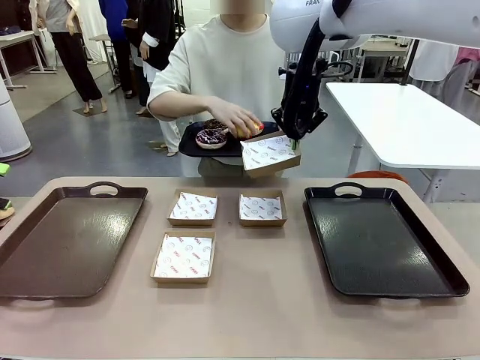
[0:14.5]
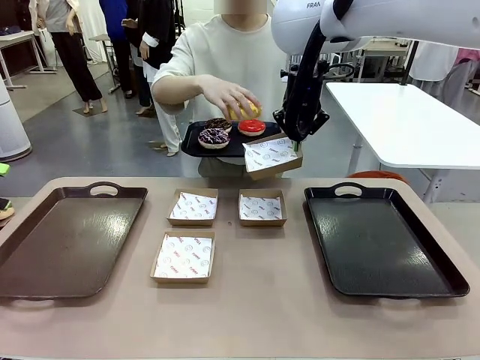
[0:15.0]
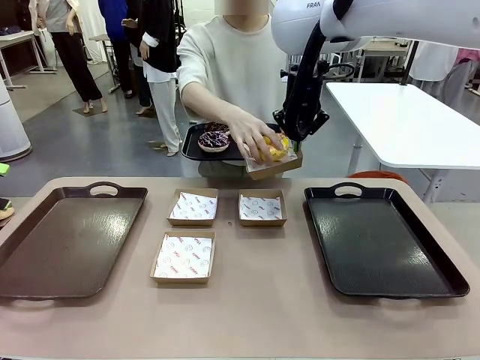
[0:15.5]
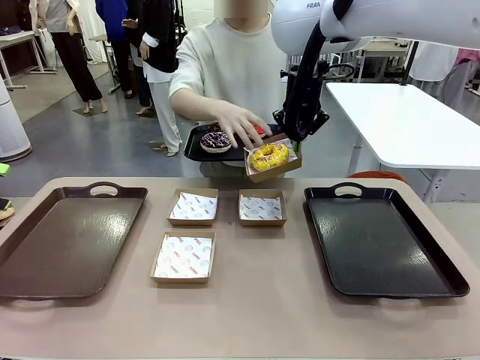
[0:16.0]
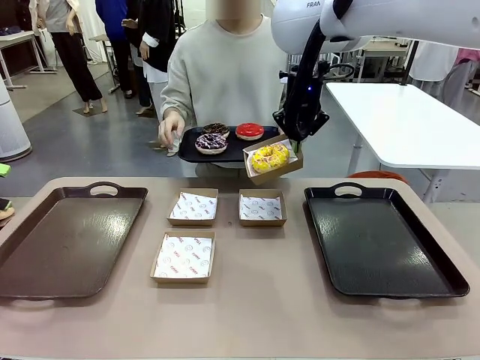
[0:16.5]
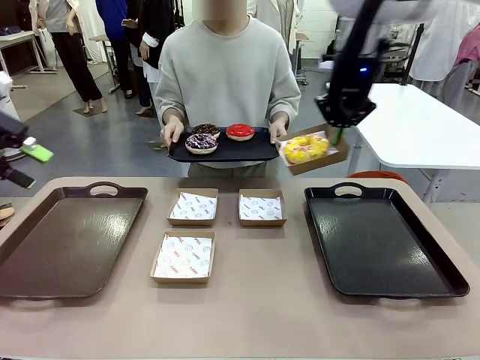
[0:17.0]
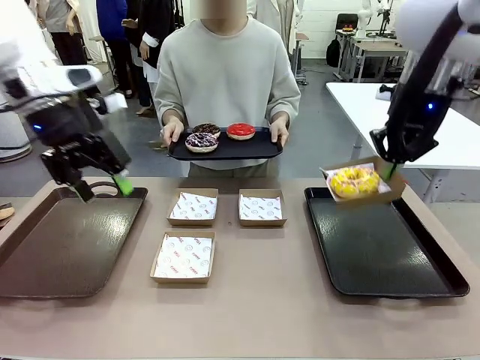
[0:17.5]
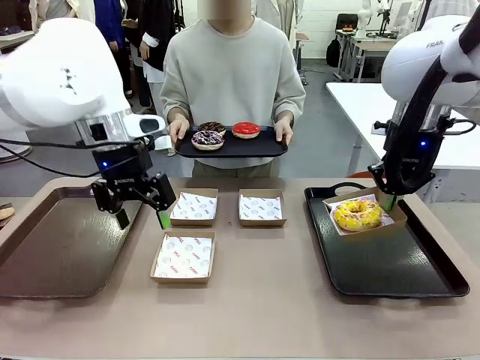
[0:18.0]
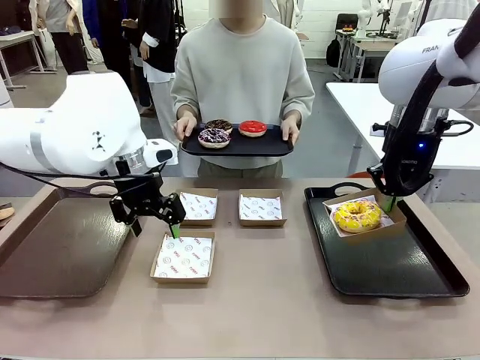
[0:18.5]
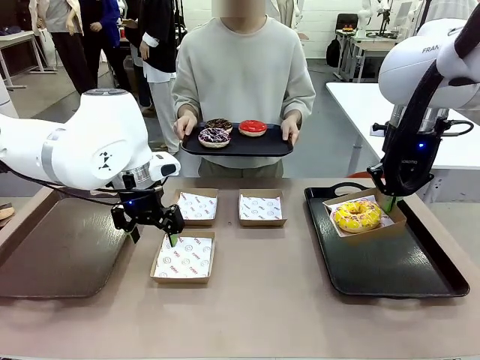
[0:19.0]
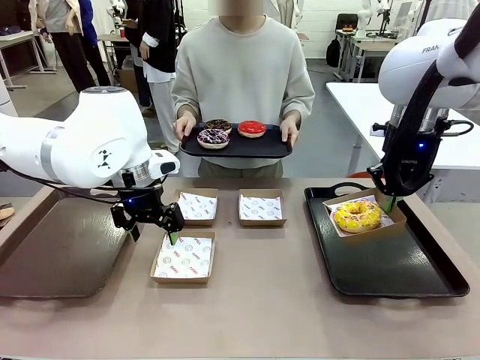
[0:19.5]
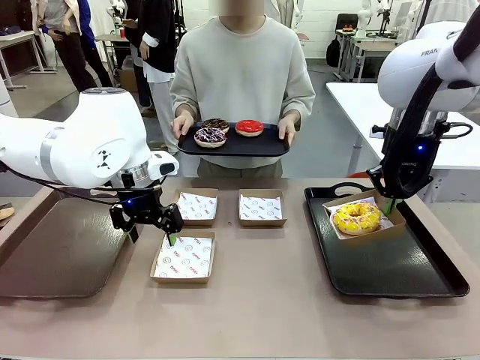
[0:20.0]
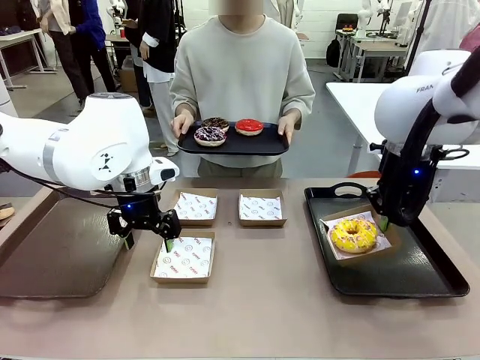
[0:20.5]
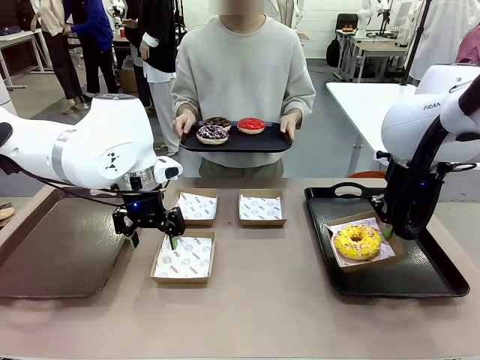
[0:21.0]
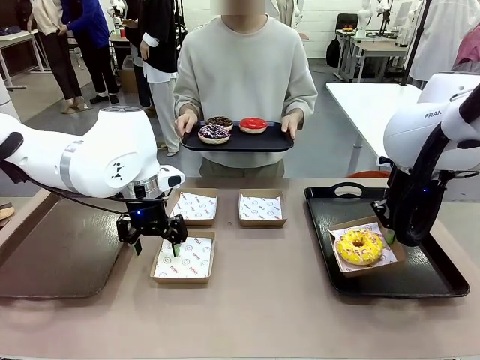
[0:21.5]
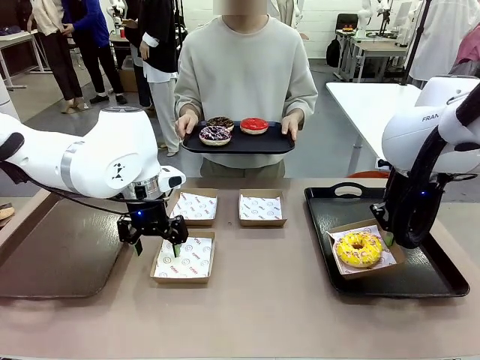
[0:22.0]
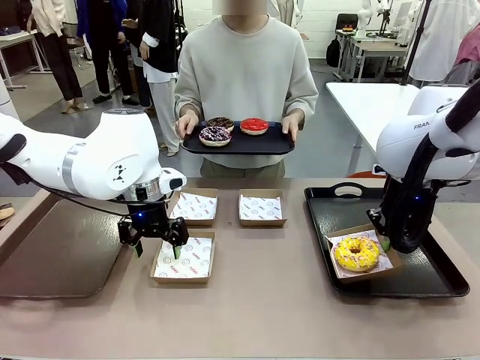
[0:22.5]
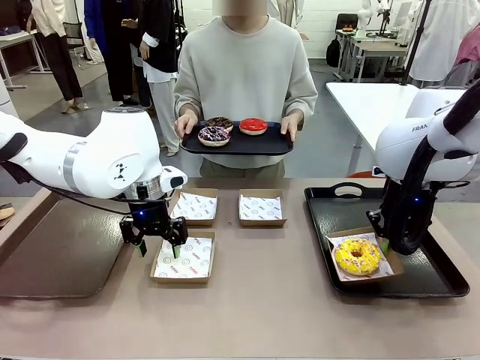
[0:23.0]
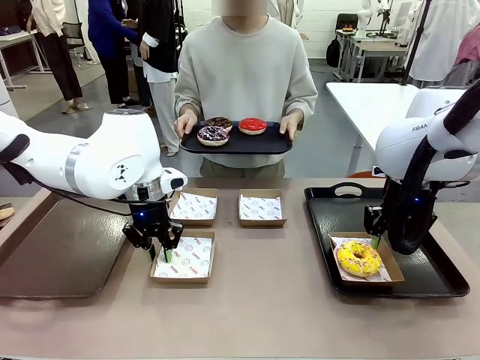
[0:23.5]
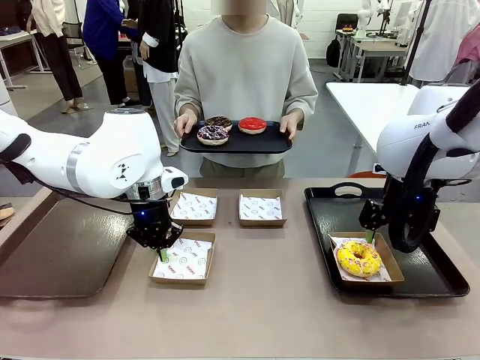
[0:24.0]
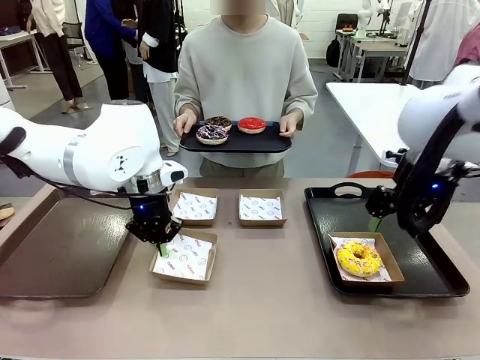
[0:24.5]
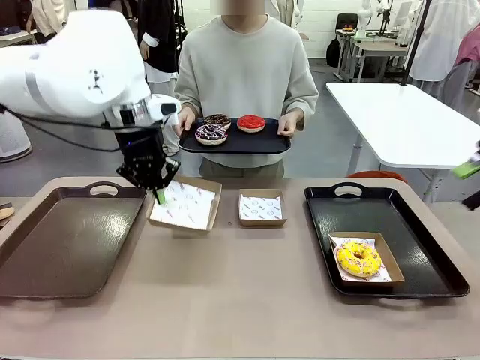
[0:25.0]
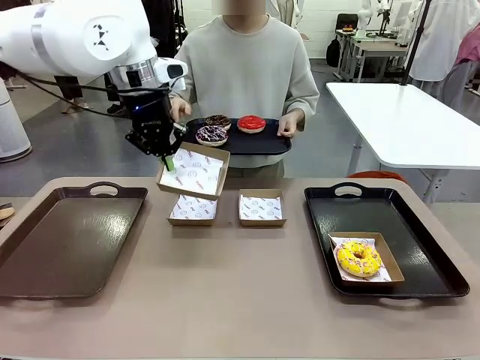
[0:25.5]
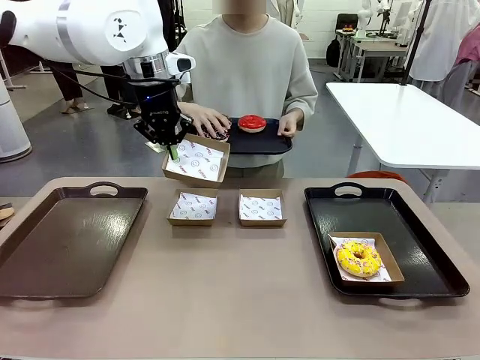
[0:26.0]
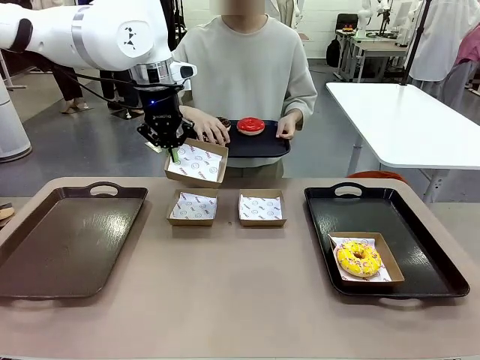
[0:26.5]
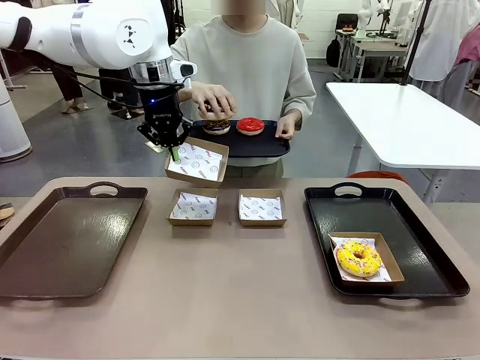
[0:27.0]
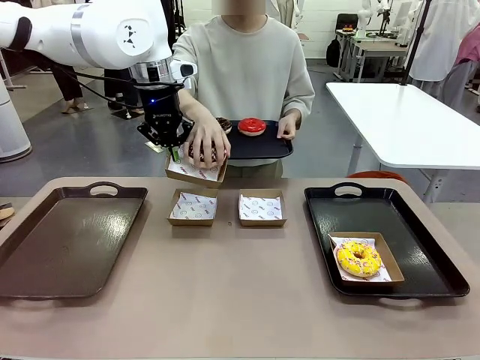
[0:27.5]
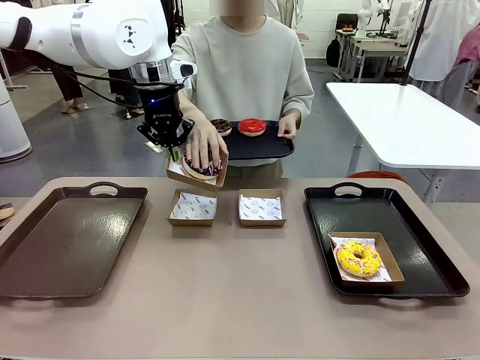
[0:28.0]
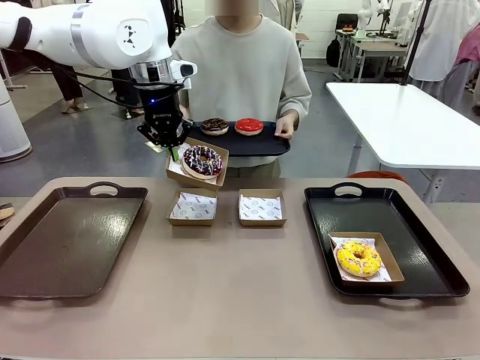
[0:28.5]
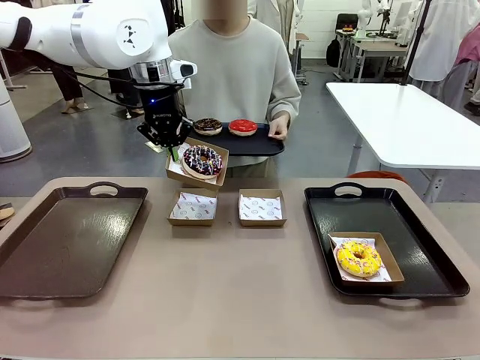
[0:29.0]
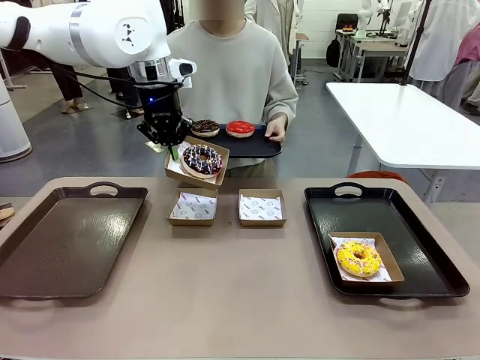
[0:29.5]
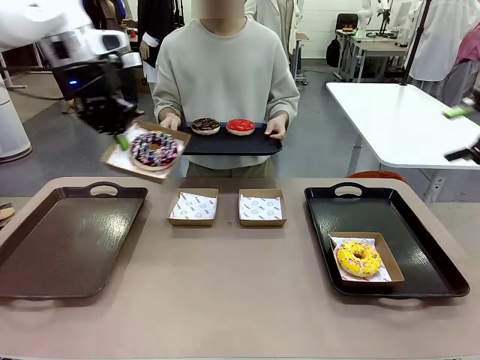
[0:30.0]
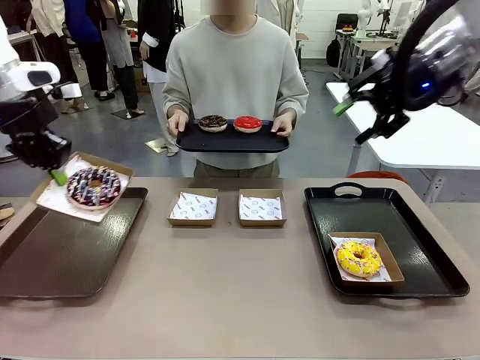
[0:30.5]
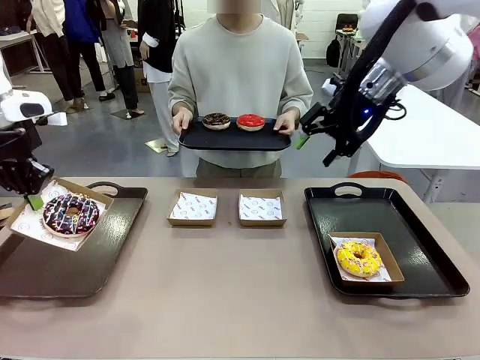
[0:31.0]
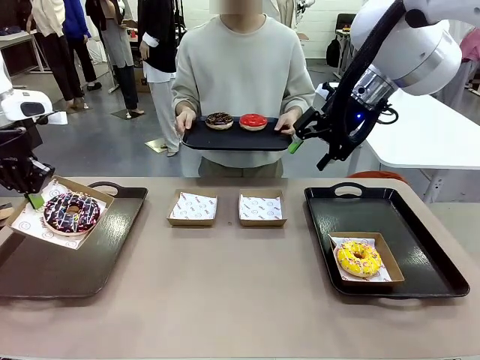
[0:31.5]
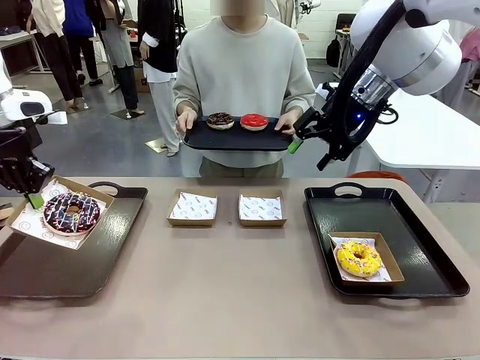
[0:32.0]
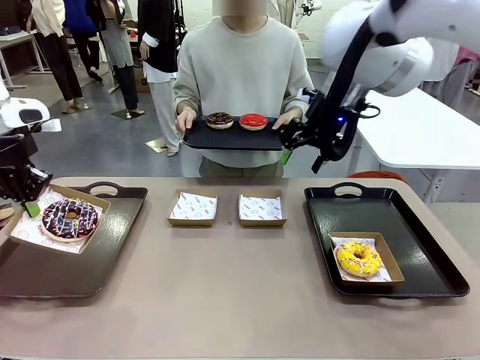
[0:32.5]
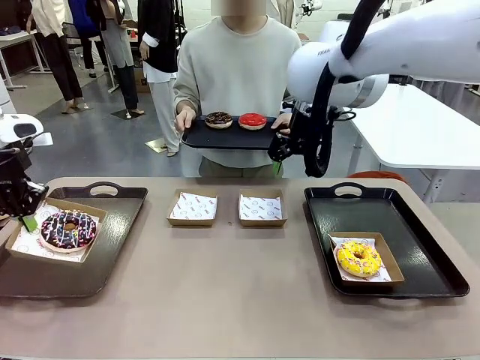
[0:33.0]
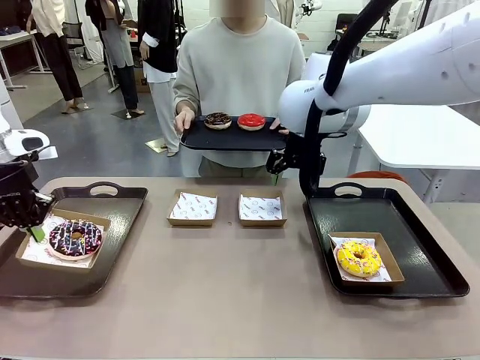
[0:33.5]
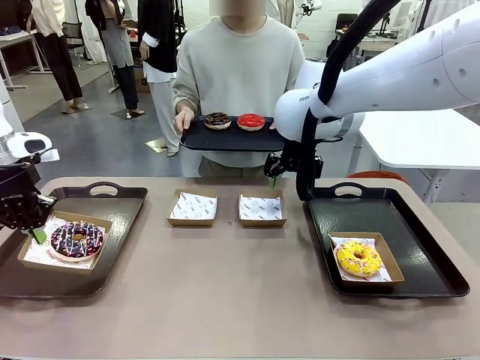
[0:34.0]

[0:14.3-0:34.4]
Task: Individually package the donuts and arrange them on the tray.
Robot: Place the picked Paper togo box on the Handle tray while simultaneously picking up another Paper togo box from the table with the other hand.
